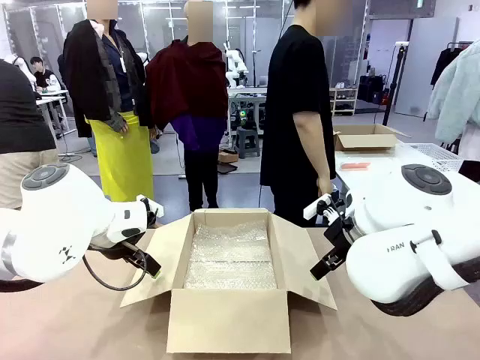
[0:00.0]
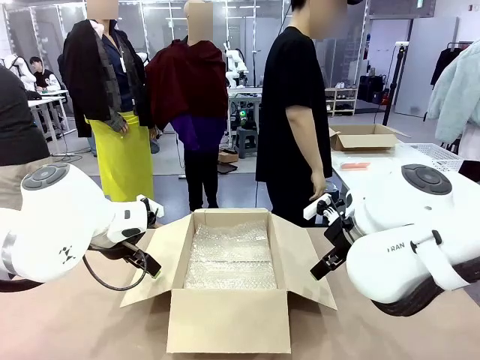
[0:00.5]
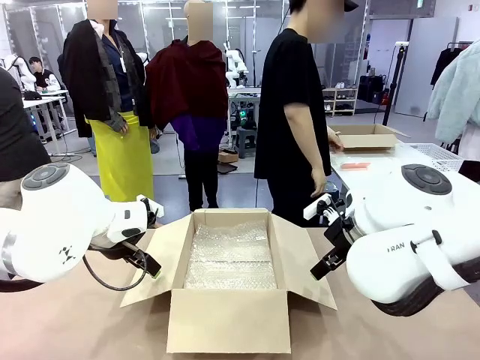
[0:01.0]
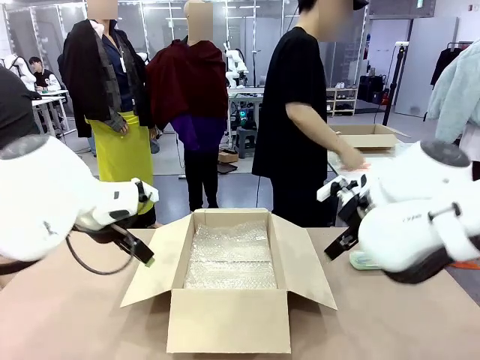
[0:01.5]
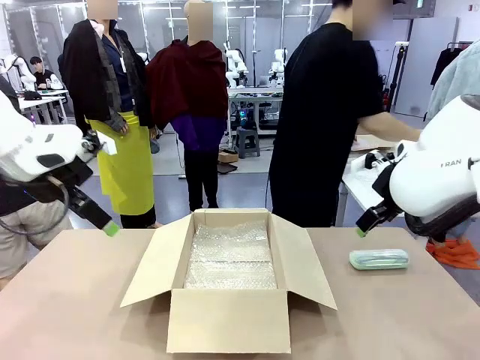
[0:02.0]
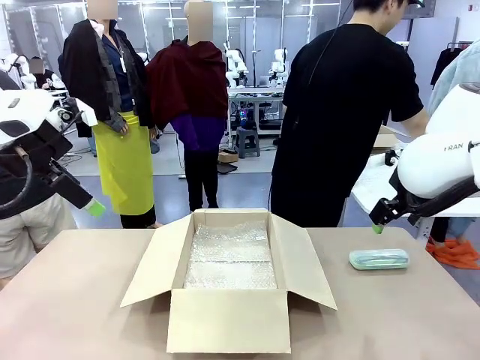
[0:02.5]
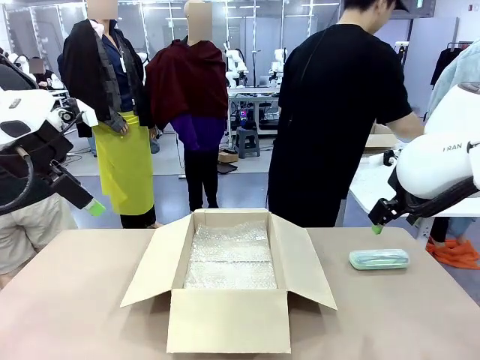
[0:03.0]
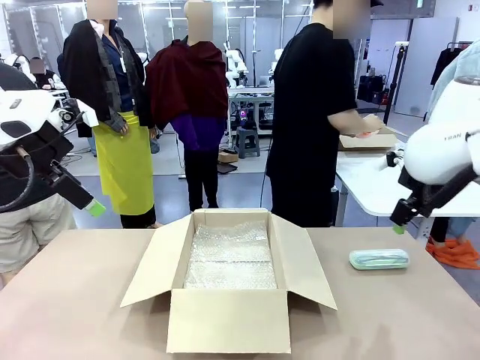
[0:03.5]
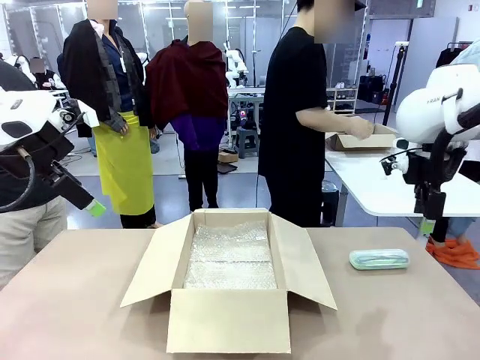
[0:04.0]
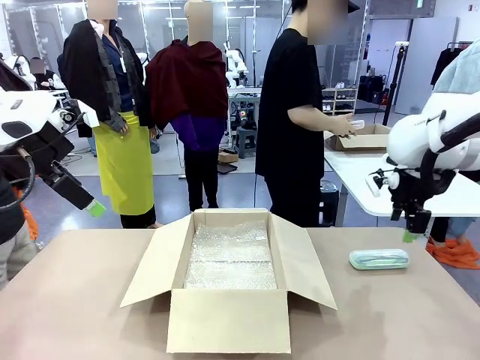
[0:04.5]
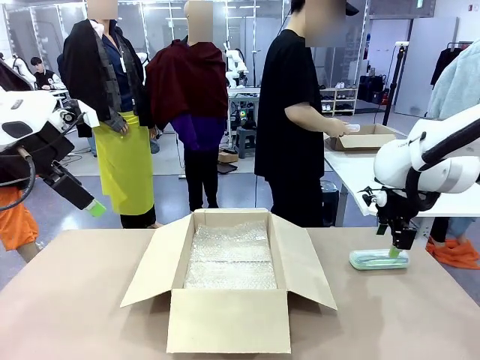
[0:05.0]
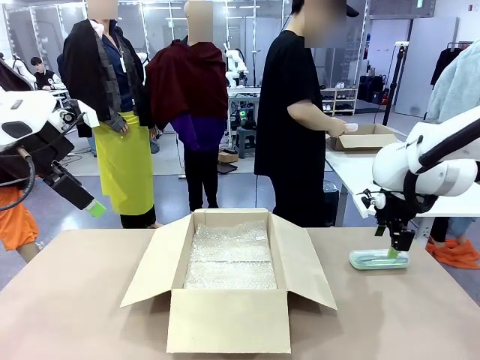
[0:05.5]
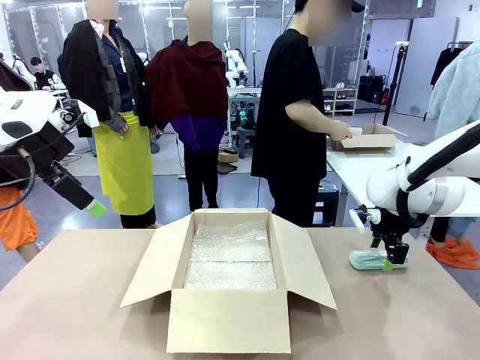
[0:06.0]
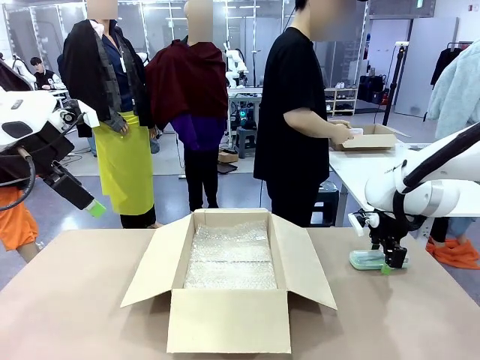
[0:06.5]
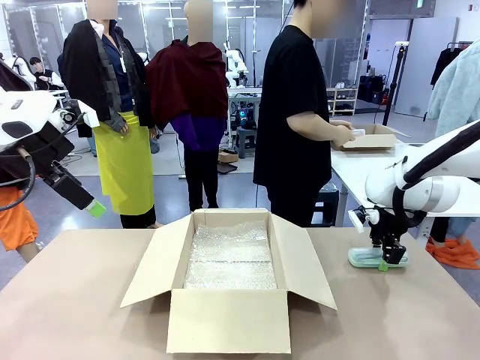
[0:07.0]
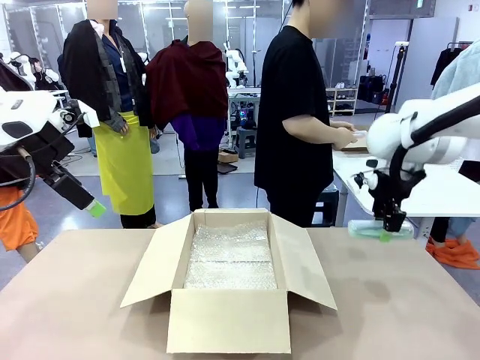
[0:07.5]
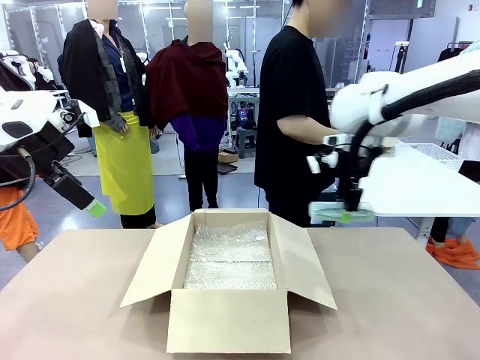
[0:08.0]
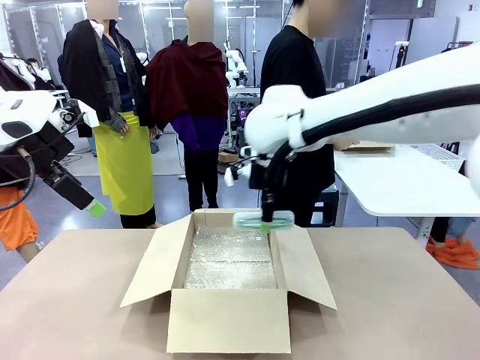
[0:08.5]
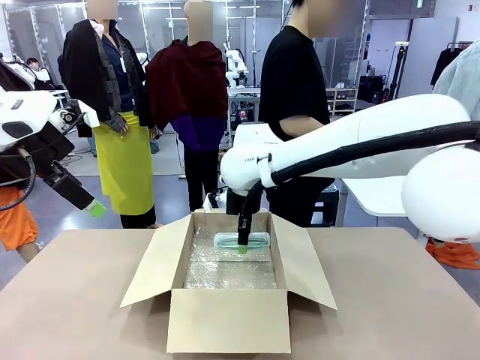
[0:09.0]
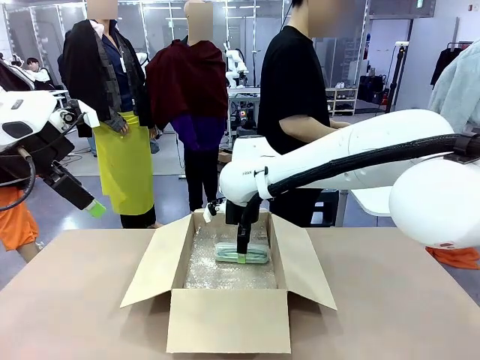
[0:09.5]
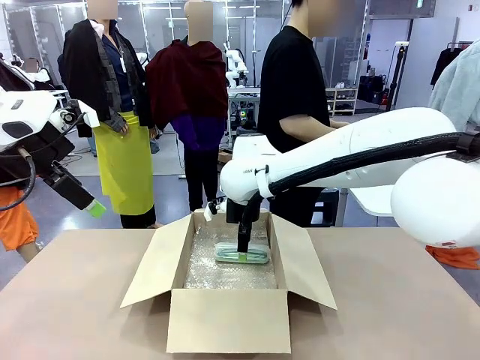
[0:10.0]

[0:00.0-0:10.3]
Task: Pack the glasses set securely to prepare it for shipping.
Robot: Place the Glasses case inside the Package Box.
Person: Place the Glasses inside the Glasses case. Position the Glasses case on the left side of the robot's table.

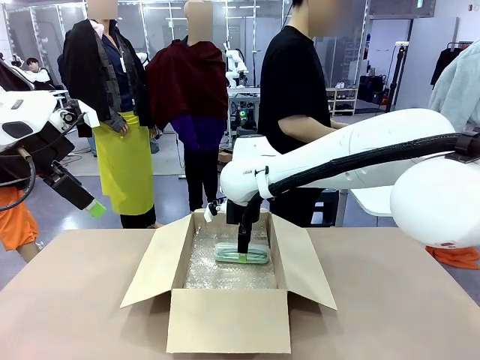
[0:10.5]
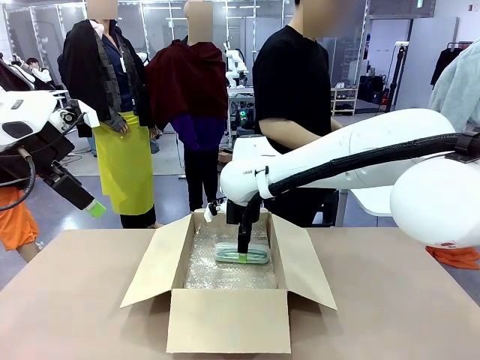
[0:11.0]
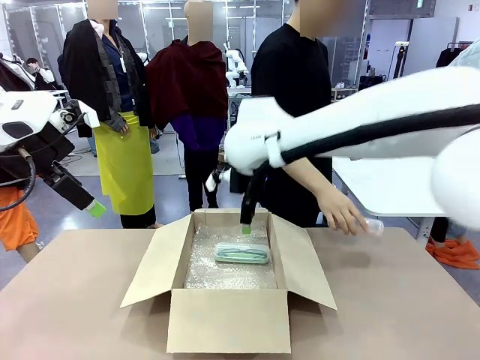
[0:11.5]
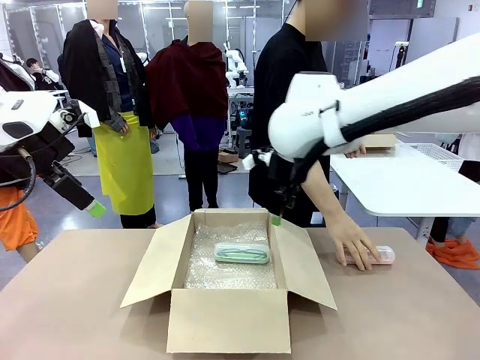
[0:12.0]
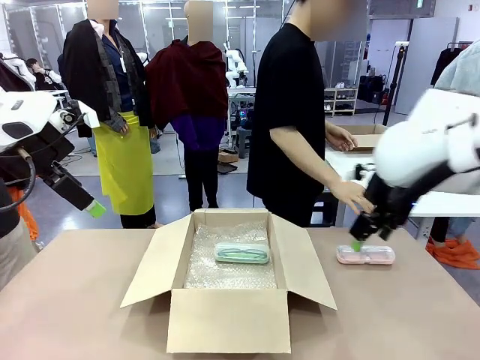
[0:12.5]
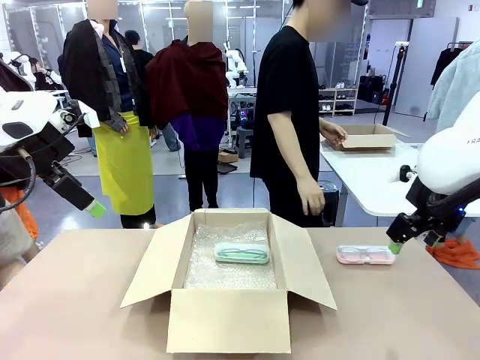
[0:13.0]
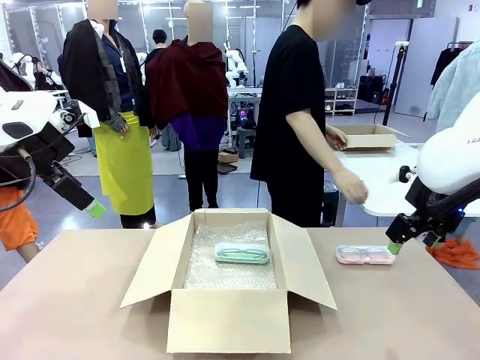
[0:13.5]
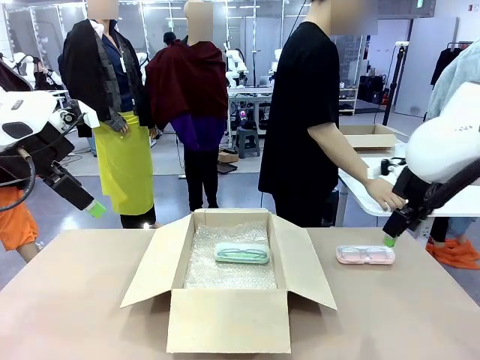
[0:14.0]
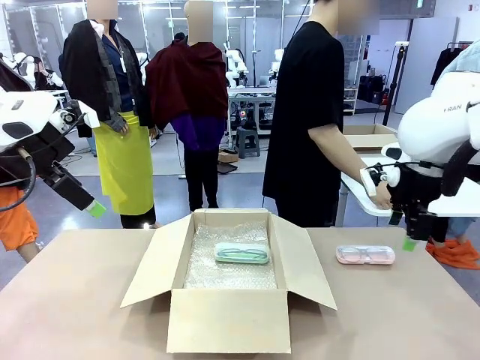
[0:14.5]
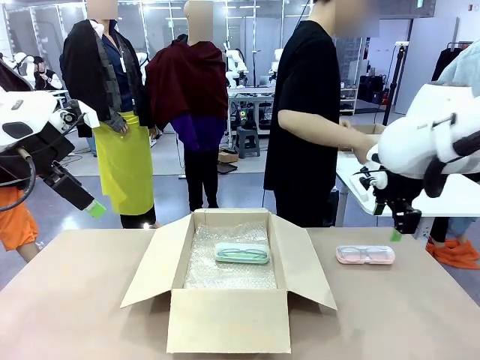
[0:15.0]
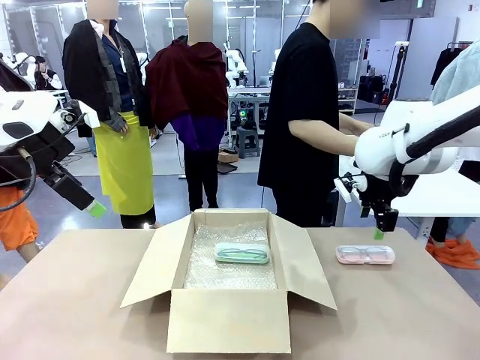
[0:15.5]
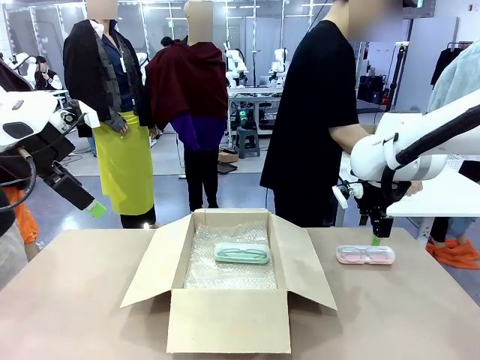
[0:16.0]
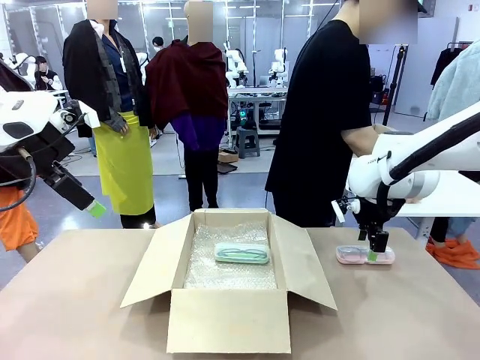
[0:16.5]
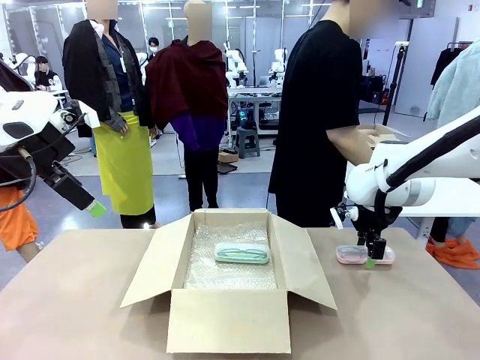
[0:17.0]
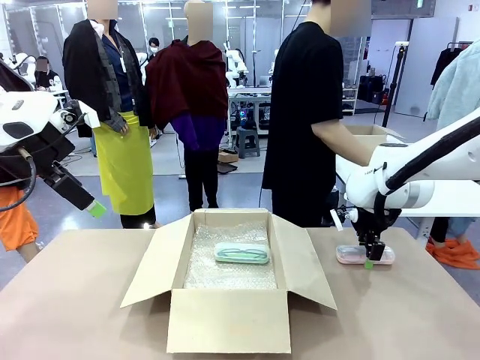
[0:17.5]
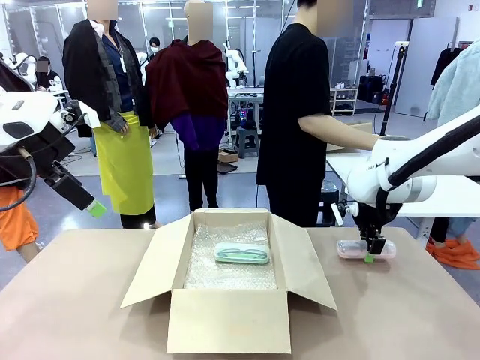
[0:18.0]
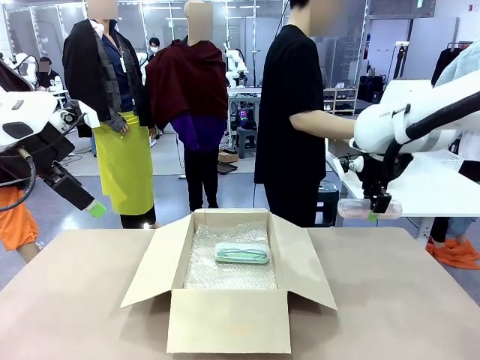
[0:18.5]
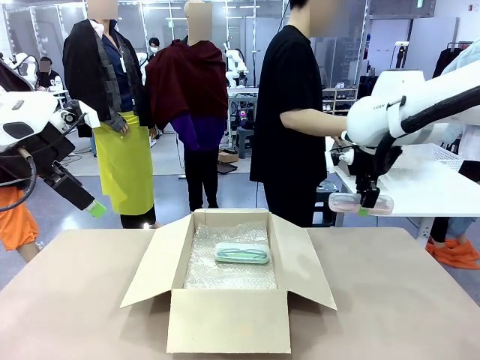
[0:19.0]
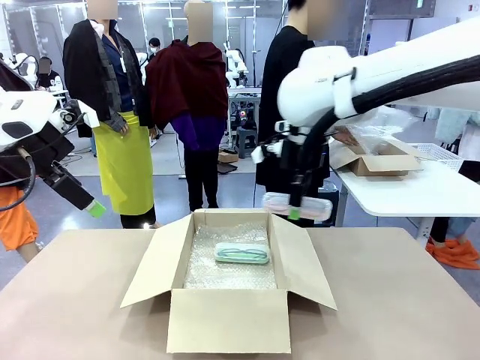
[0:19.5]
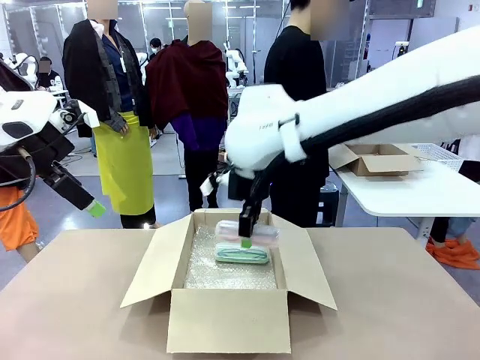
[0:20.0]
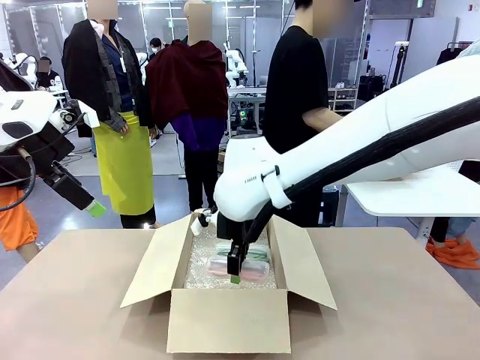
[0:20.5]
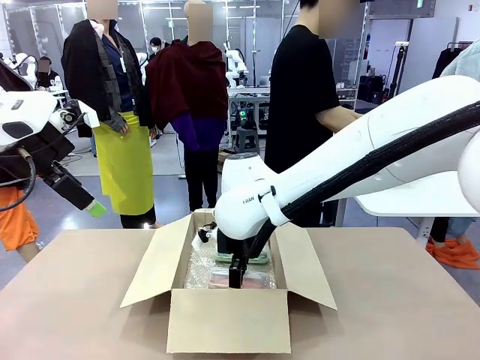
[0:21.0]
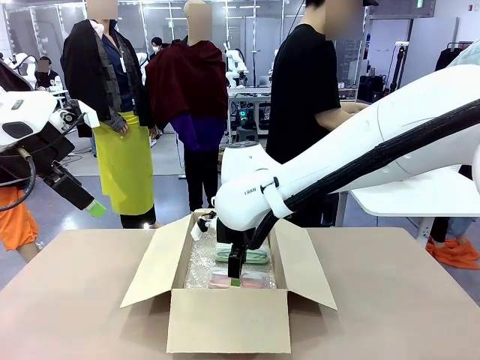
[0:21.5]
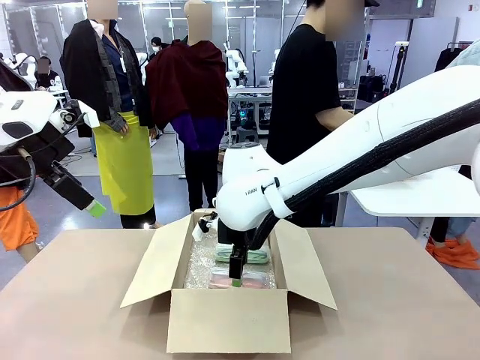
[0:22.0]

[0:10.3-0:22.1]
Robot: Put the Glasses case from the right side of the table into the Package Box.

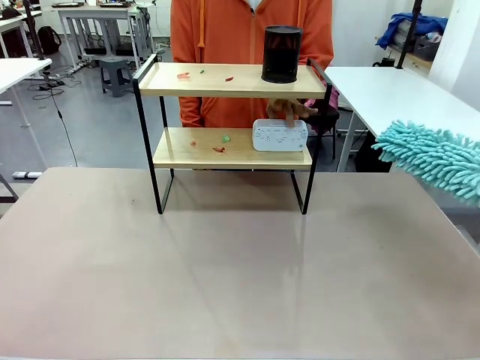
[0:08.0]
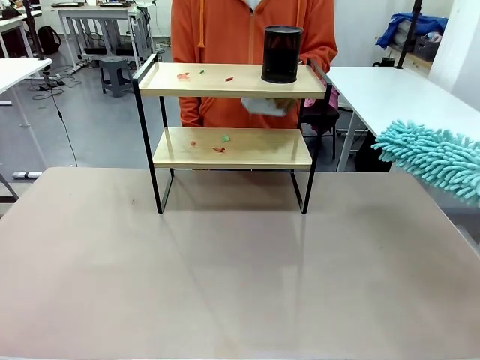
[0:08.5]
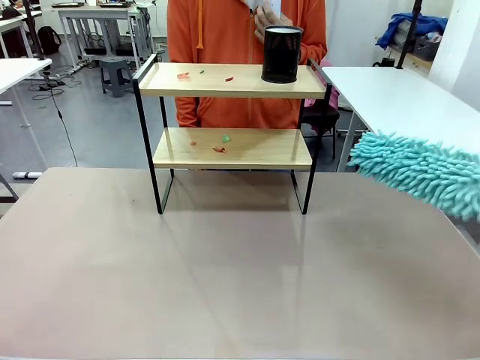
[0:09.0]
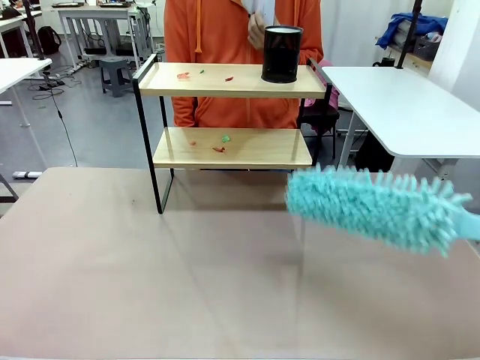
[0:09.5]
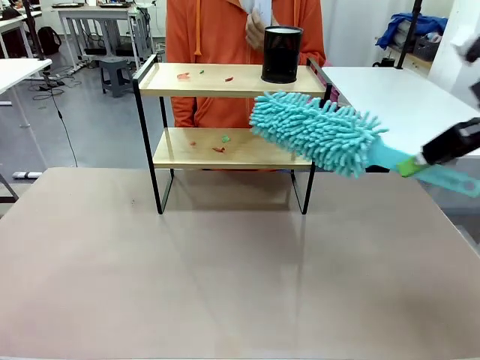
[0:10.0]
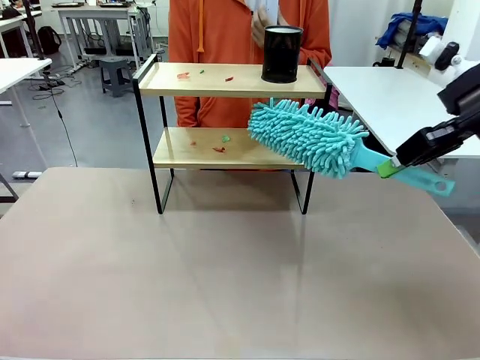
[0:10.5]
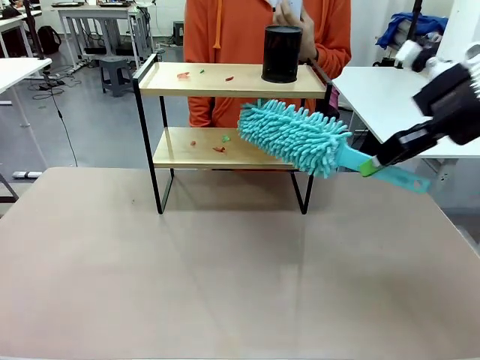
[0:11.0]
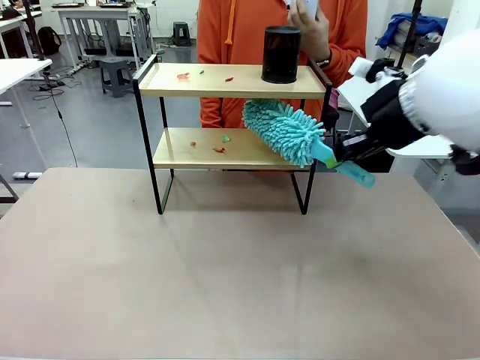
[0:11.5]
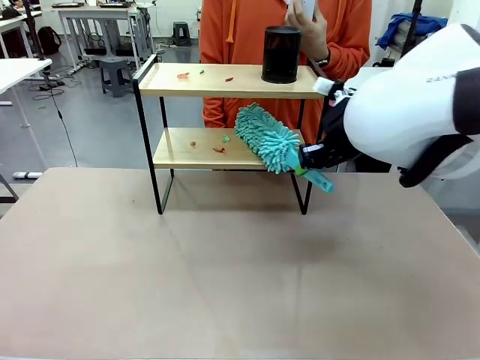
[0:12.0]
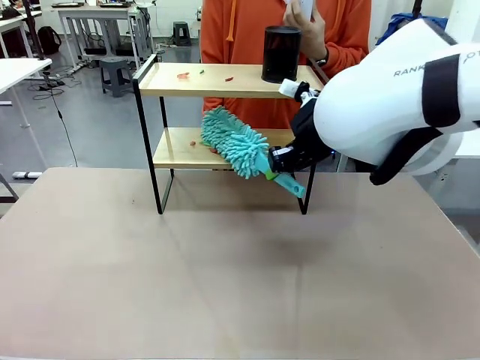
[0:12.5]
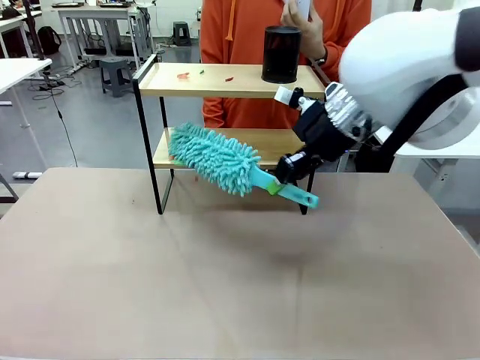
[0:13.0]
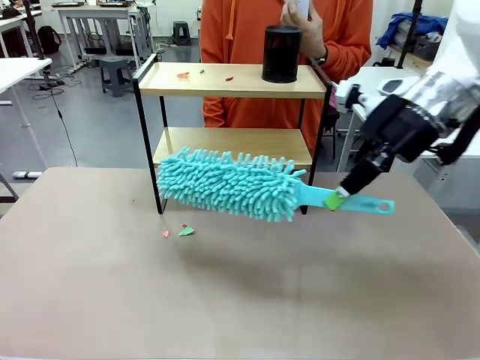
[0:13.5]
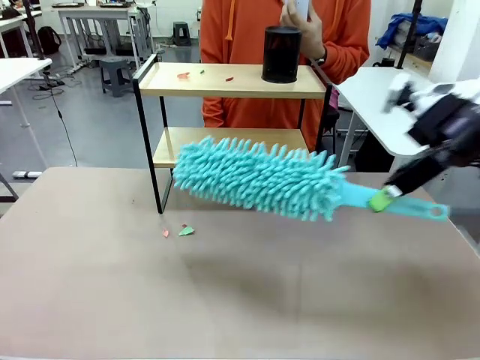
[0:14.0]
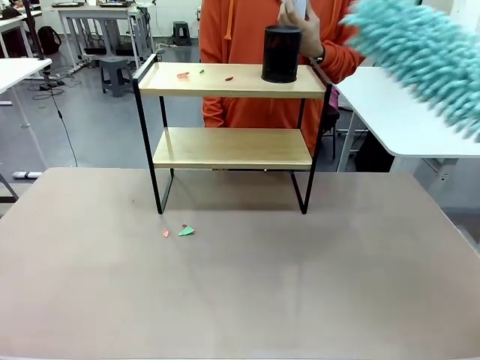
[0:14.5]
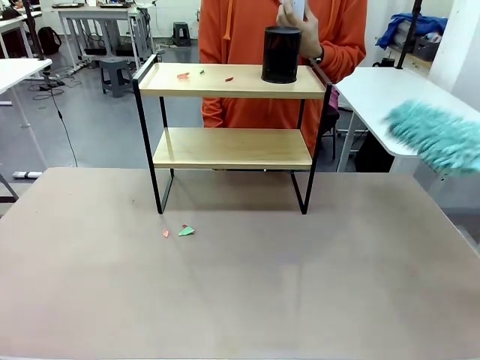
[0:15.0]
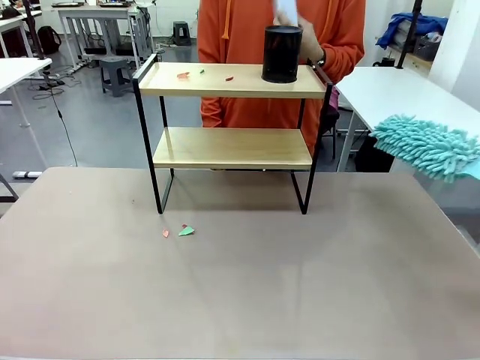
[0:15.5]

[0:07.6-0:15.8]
Task: Clean the shelf.
Robot: Clean the specific tier of the Shelf with the Duster once objects are removed.
Person: Lift the objects on a randomly selected tier of the Shelf. Once the robot finishes cleaning, lift the objects on the remaining tiers of the Shelf.
